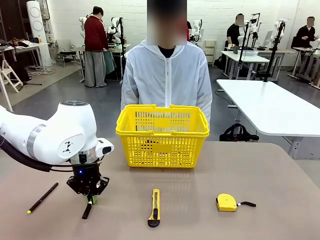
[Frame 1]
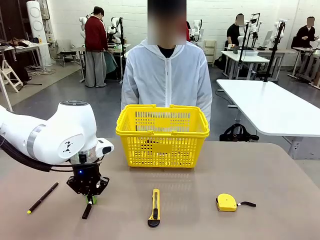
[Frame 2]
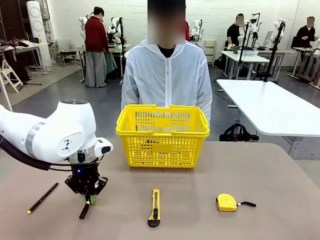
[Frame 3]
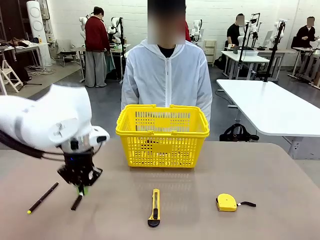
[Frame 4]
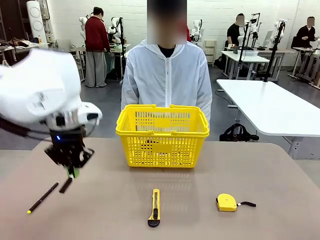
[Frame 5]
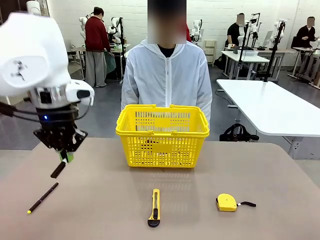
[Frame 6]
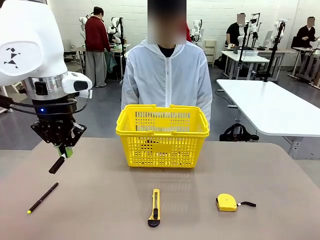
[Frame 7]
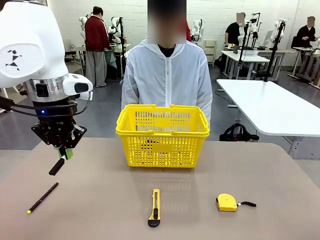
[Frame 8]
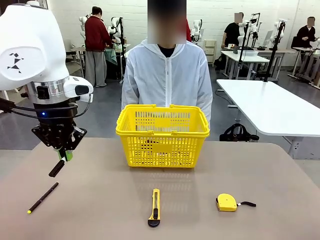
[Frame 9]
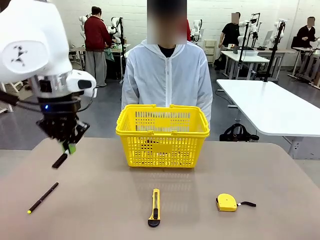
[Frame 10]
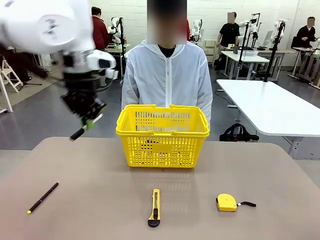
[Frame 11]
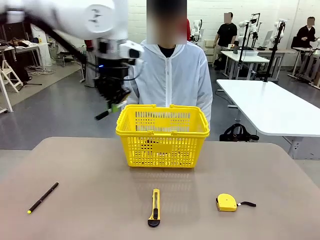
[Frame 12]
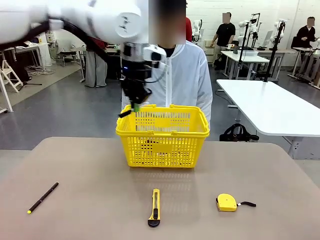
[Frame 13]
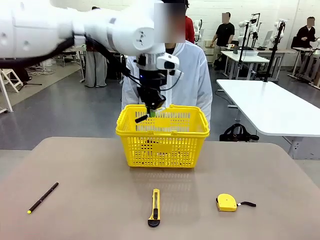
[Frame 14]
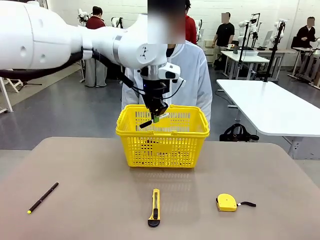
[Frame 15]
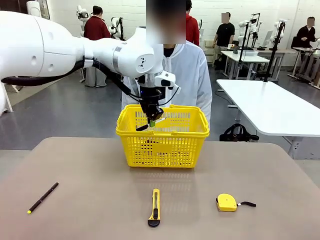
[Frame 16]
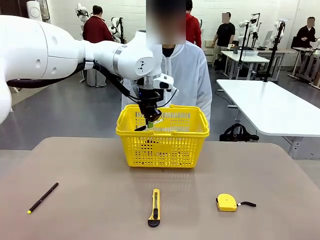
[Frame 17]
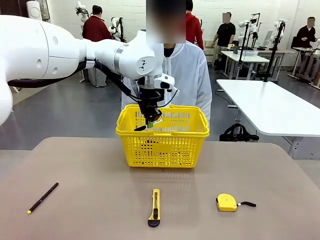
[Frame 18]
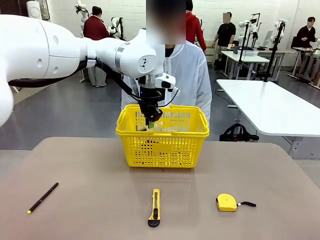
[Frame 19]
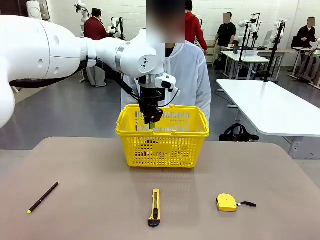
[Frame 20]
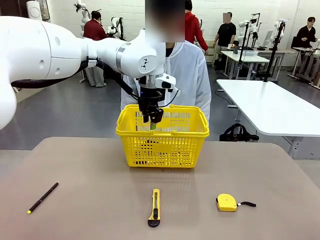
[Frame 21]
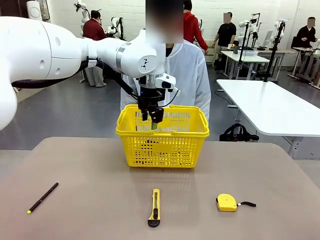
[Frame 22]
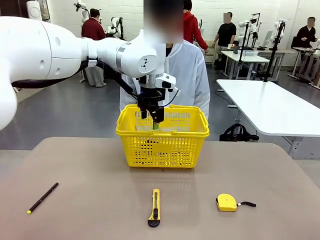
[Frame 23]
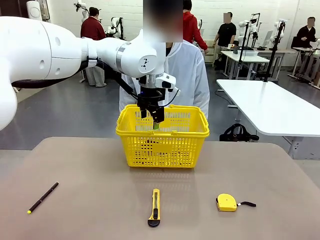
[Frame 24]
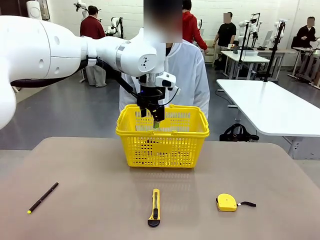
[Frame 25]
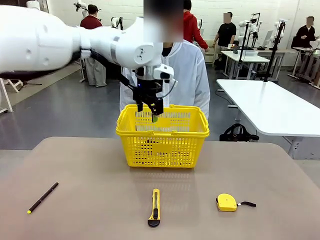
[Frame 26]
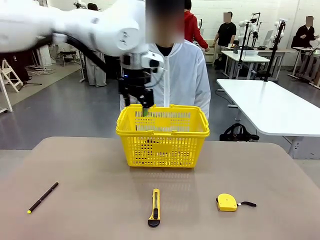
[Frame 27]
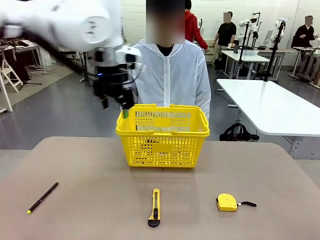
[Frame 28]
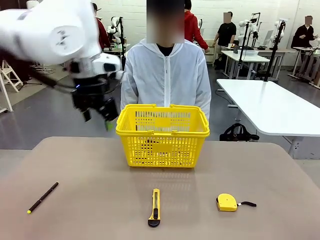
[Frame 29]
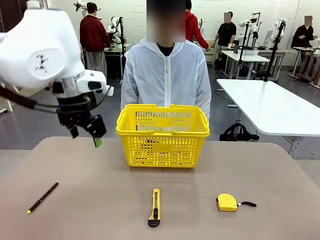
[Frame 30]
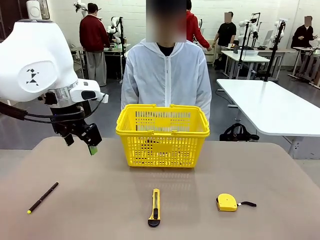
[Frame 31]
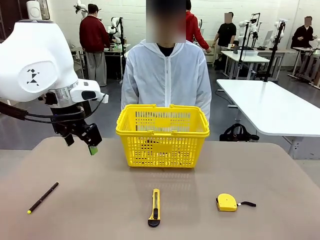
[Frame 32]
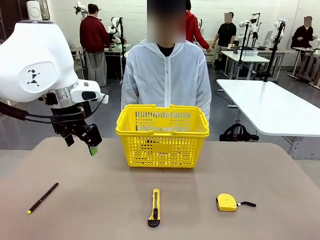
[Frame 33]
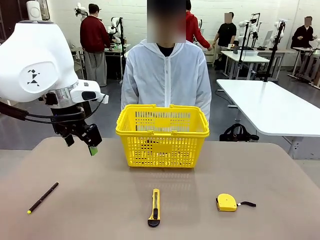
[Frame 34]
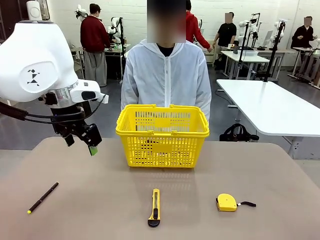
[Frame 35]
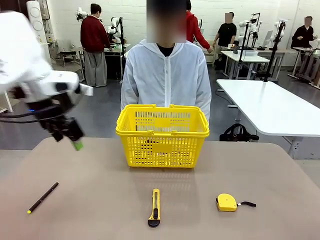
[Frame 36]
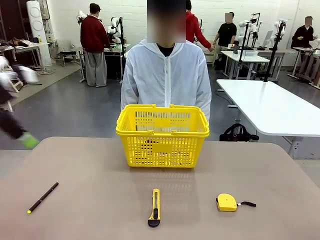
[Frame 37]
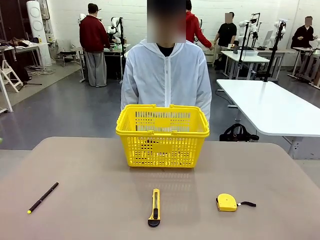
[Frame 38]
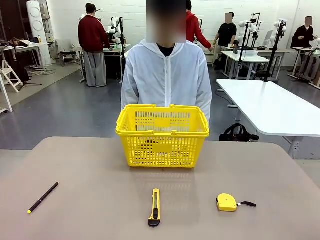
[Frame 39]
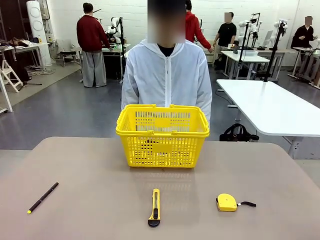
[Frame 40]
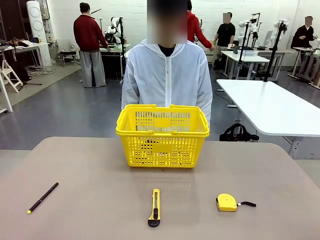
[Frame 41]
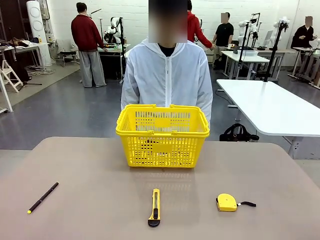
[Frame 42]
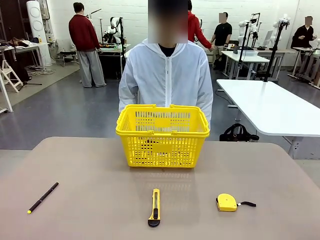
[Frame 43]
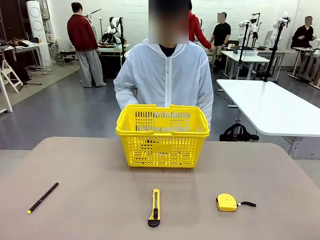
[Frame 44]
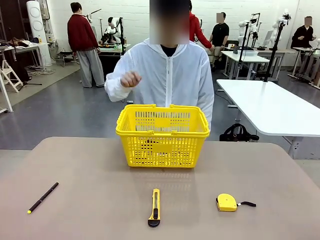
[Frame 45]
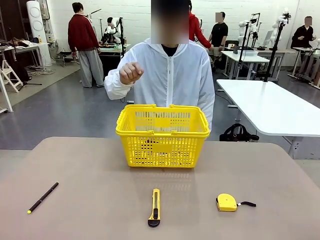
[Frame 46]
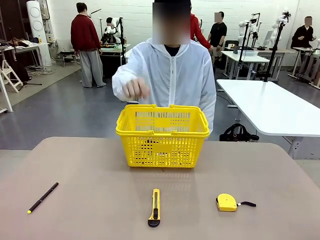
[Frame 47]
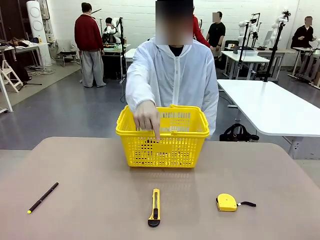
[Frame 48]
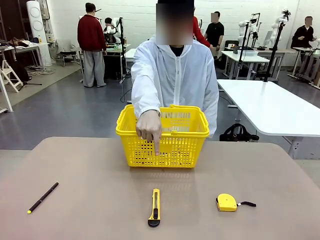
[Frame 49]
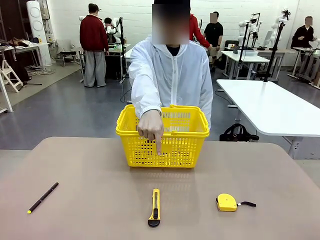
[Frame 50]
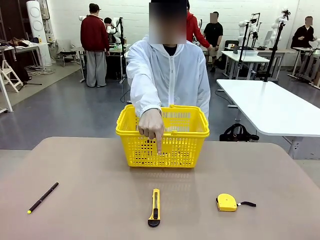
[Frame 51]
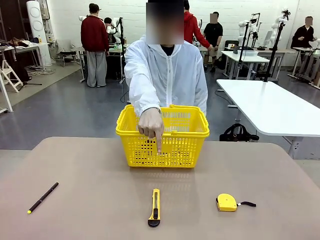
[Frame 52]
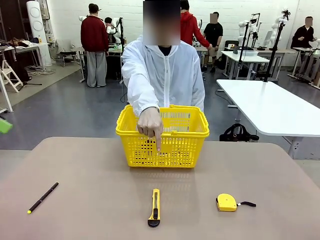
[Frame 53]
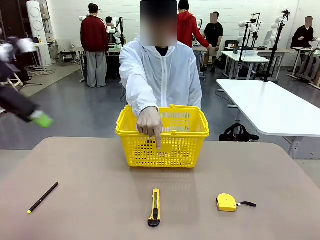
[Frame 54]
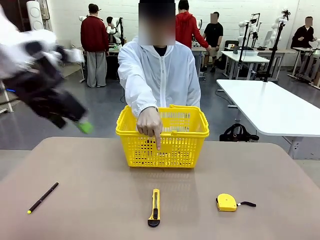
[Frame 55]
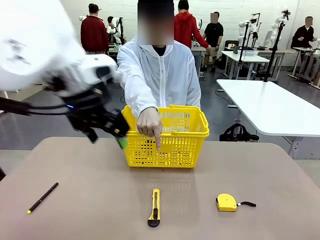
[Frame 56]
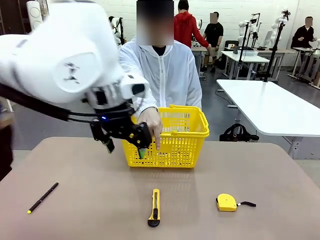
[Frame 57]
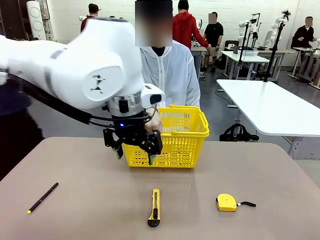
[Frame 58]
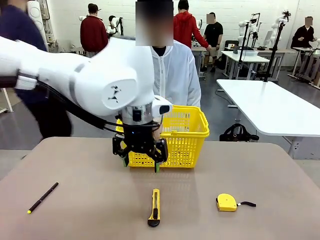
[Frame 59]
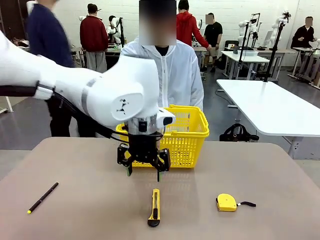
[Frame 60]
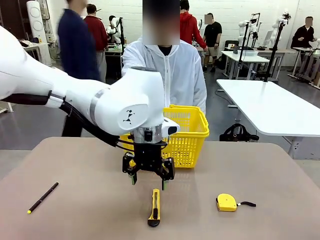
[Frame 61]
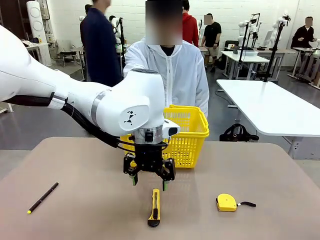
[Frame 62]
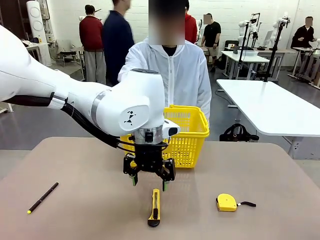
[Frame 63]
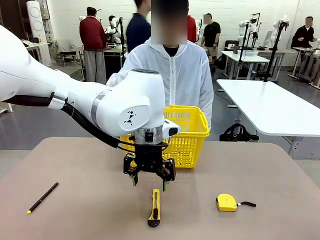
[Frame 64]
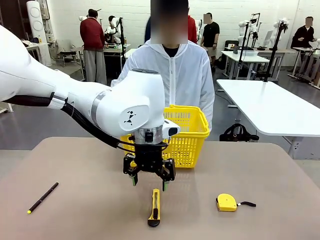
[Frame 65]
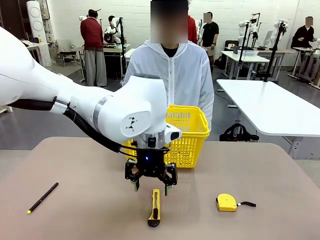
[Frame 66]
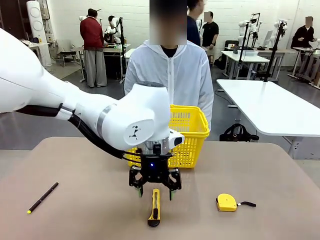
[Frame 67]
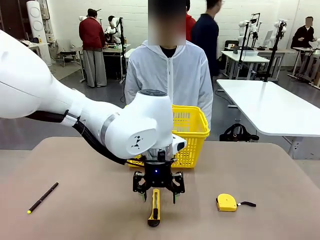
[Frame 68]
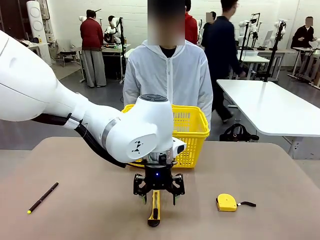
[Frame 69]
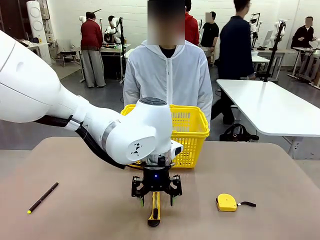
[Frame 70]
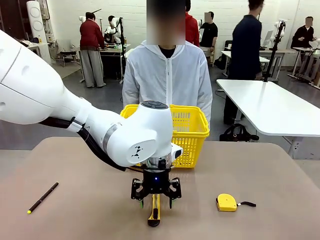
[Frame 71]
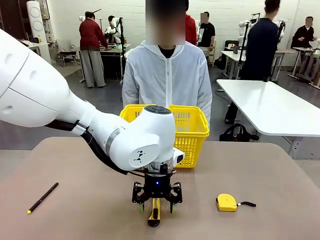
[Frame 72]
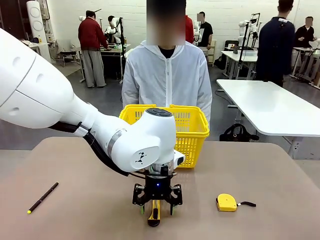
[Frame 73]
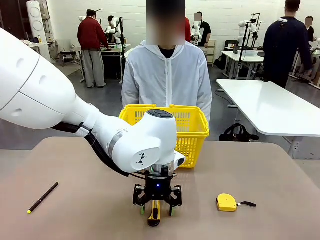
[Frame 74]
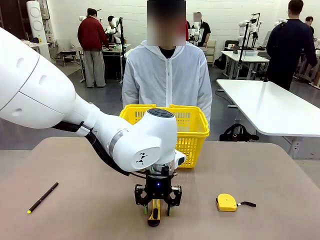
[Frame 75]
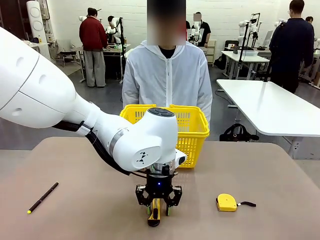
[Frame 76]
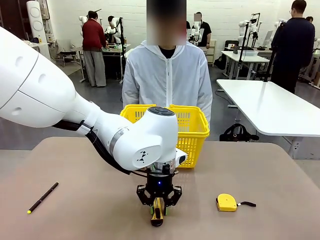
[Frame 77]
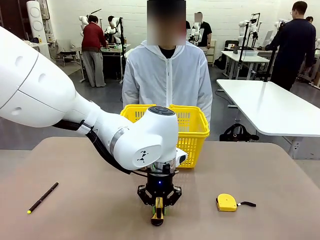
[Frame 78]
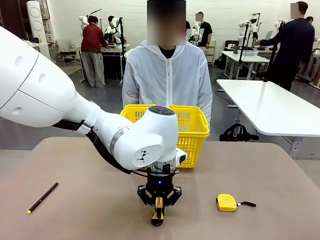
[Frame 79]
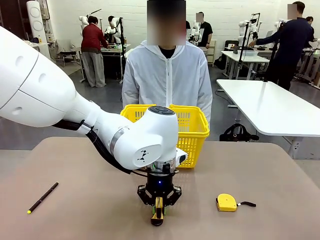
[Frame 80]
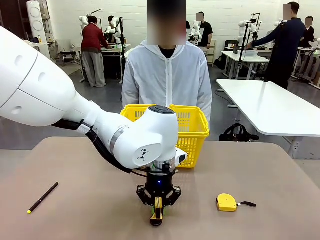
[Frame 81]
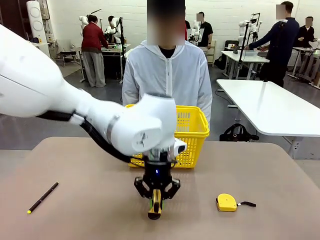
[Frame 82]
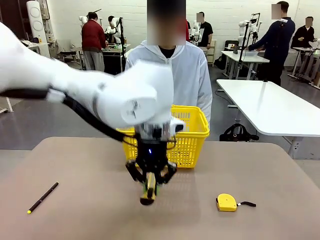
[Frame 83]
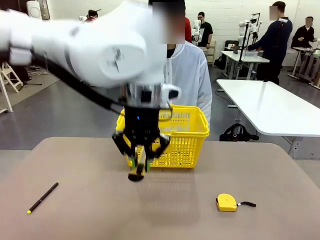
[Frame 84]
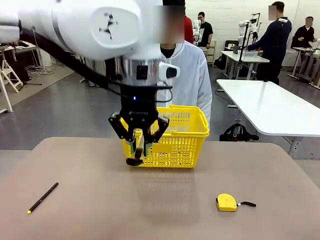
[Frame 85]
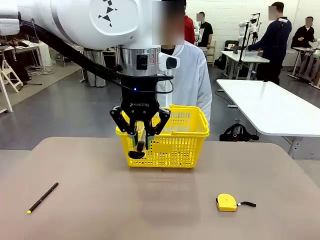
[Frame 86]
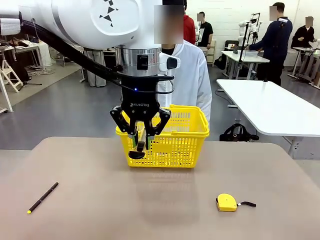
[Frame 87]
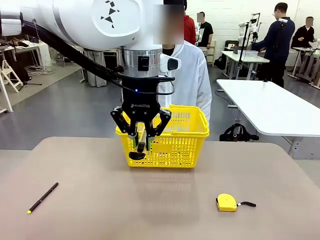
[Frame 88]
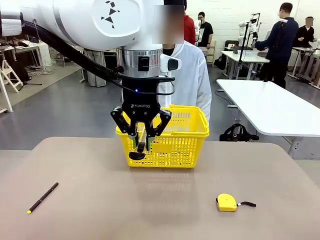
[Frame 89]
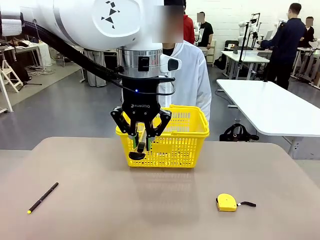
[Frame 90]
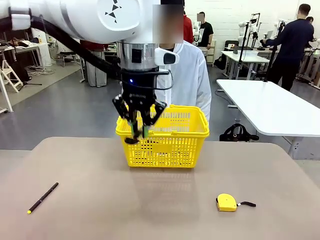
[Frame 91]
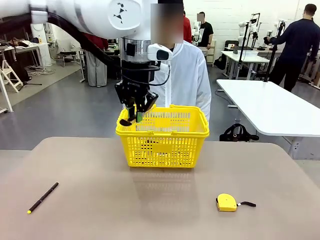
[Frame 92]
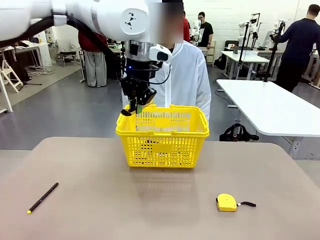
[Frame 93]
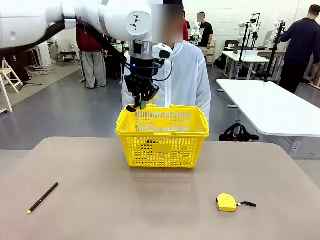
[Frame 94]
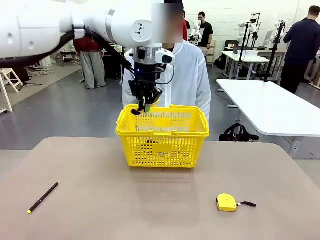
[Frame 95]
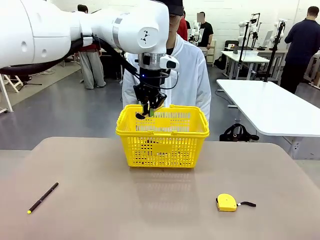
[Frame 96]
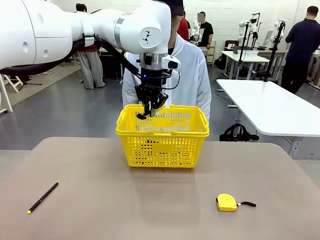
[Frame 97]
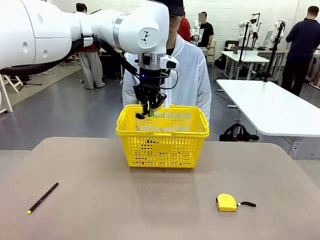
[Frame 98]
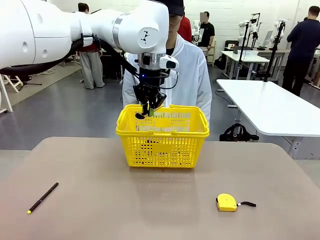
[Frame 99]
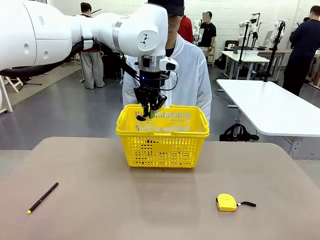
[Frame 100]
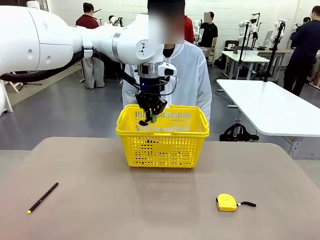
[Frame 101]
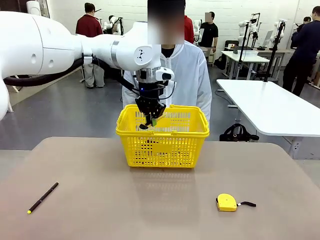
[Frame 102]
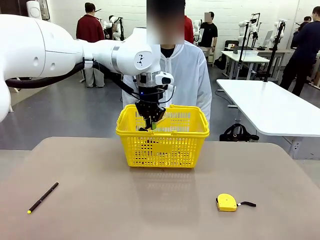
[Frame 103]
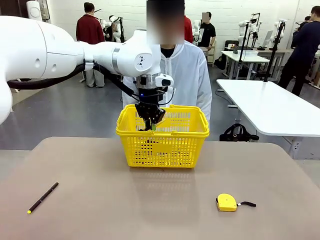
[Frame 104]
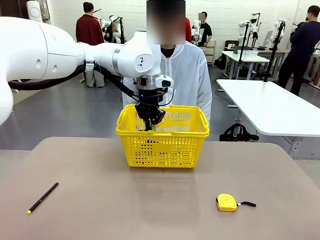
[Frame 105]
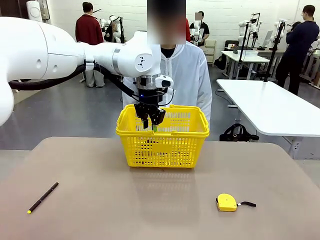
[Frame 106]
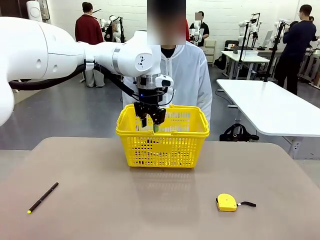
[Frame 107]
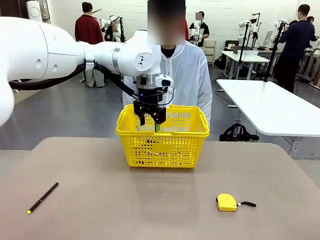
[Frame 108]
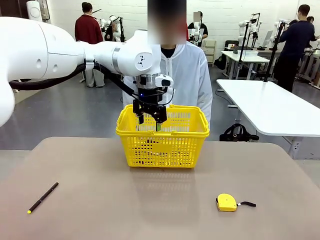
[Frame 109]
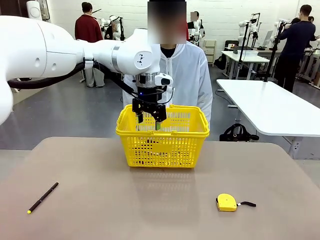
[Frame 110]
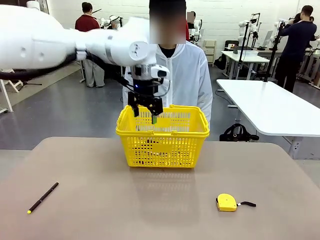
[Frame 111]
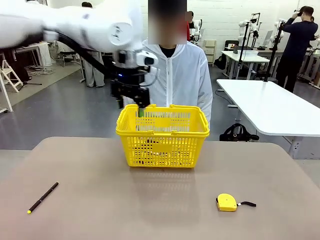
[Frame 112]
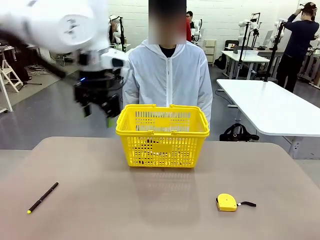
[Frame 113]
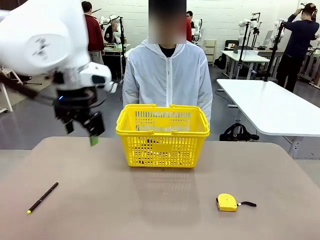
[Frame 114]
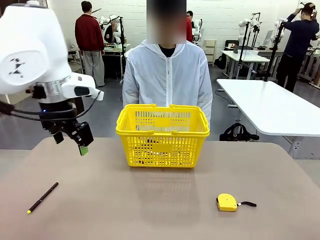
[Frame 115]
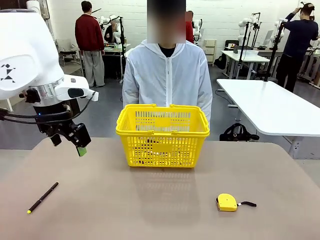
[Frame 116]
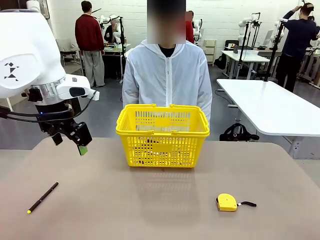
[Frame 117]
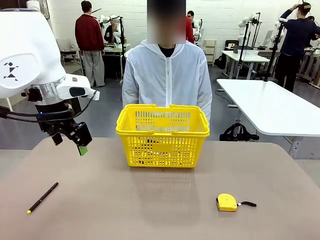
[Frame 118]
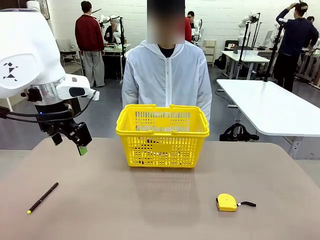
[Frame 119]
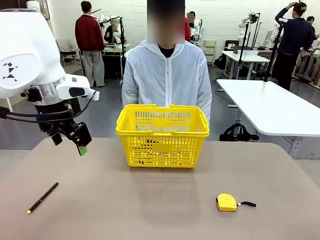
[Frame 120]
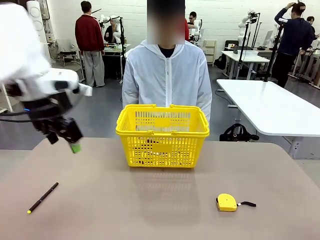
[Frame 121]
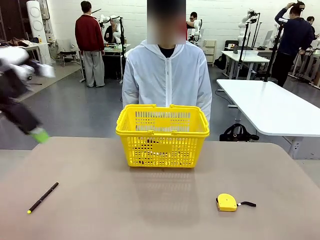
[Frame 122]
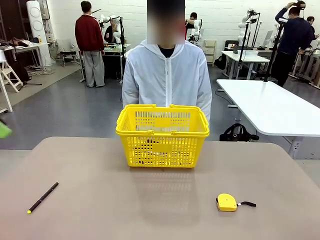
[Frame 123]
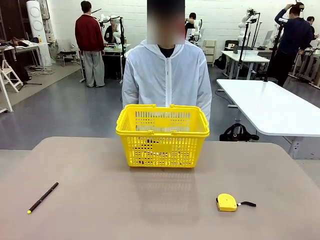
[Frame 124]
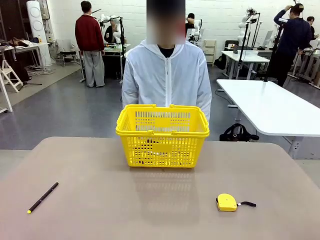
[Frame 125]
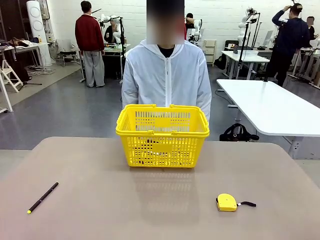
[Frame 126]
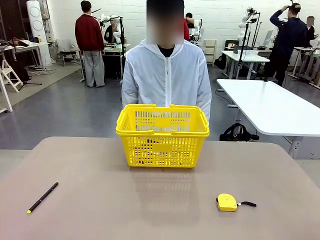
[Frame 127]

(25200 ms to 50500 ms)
Task: Place the items the person wants into the basket.
Robot: Pick up the item the person points to and place it in the Market Basket.
Person: Point to one object on the table (excluding the basket).
